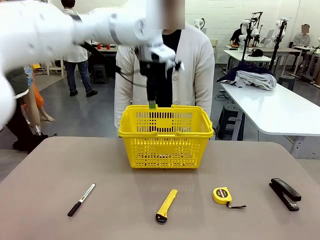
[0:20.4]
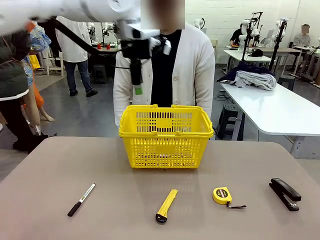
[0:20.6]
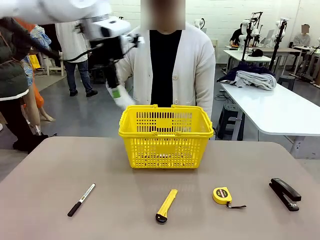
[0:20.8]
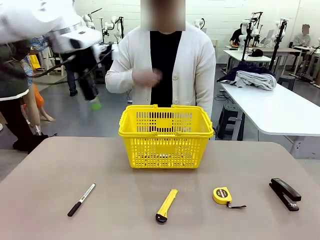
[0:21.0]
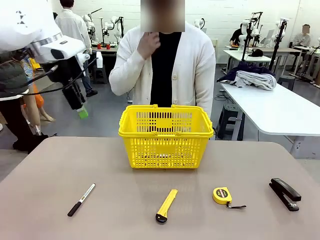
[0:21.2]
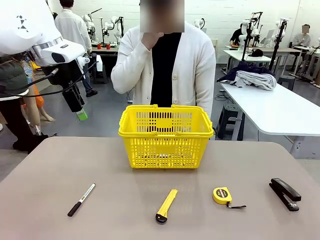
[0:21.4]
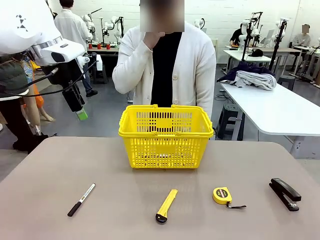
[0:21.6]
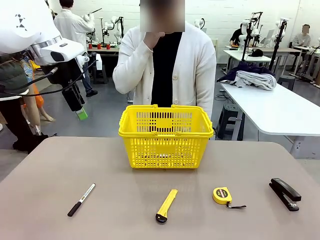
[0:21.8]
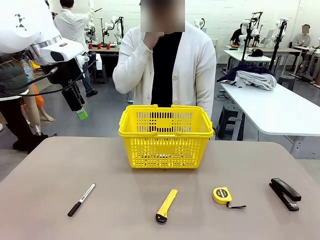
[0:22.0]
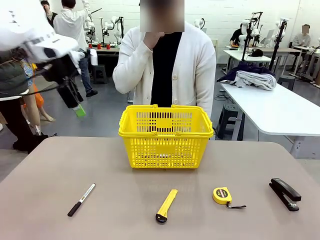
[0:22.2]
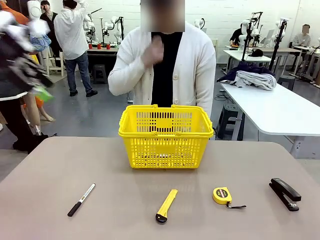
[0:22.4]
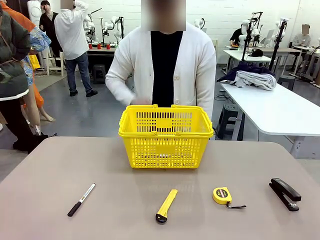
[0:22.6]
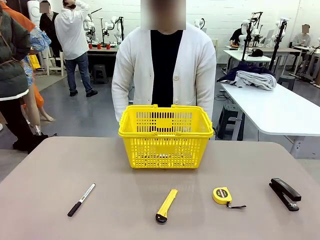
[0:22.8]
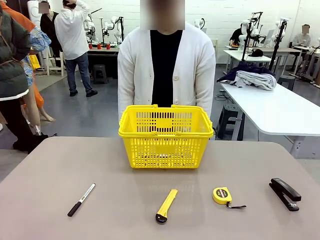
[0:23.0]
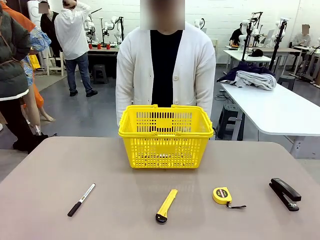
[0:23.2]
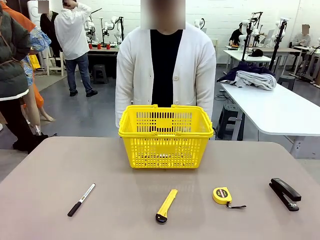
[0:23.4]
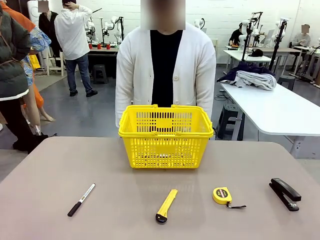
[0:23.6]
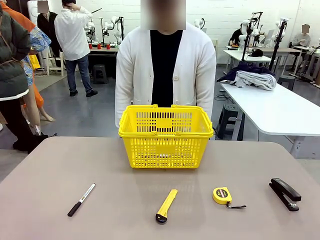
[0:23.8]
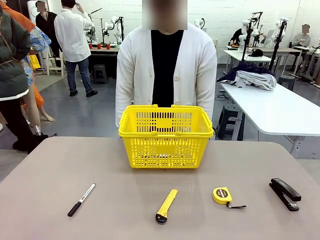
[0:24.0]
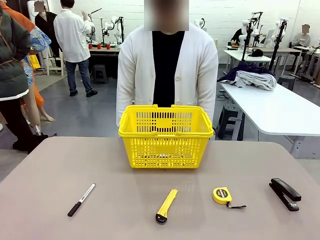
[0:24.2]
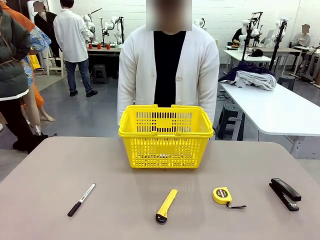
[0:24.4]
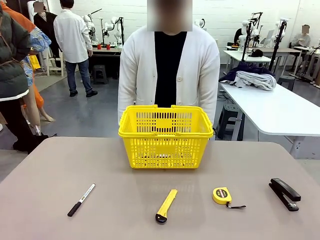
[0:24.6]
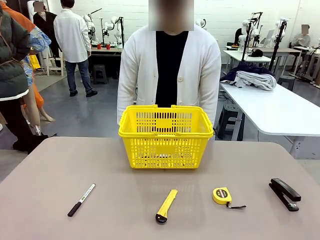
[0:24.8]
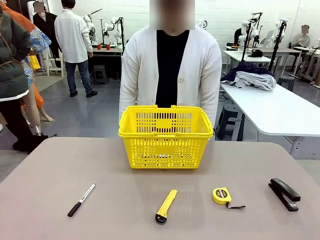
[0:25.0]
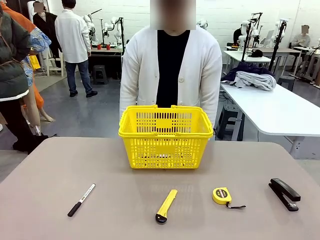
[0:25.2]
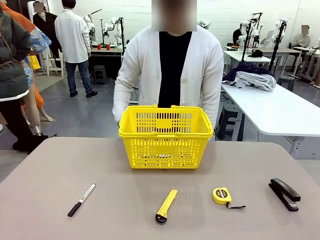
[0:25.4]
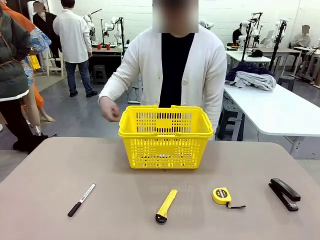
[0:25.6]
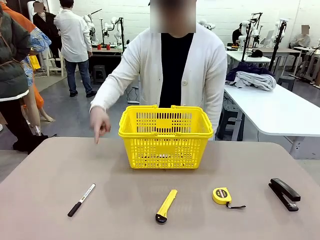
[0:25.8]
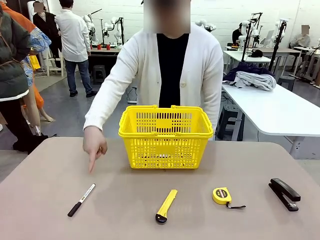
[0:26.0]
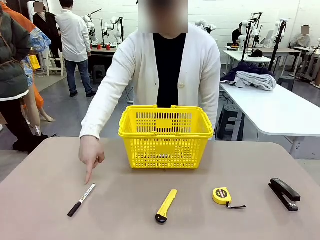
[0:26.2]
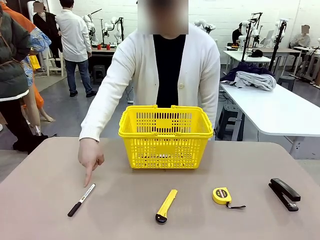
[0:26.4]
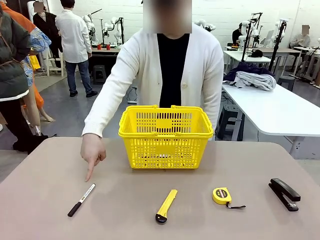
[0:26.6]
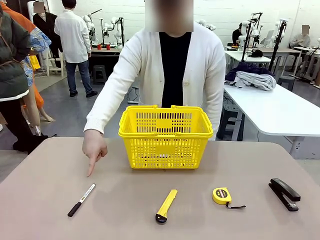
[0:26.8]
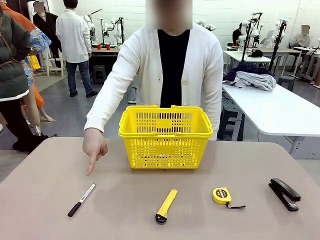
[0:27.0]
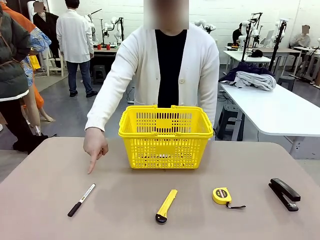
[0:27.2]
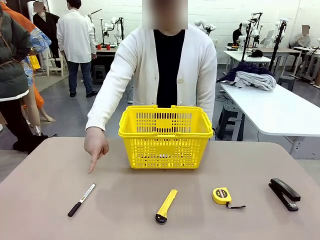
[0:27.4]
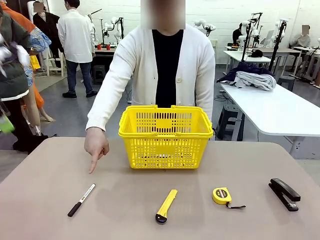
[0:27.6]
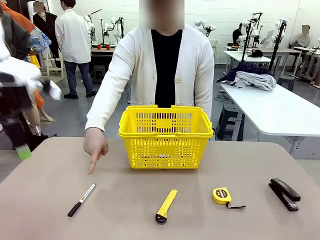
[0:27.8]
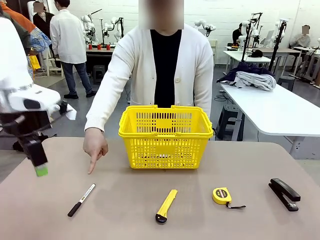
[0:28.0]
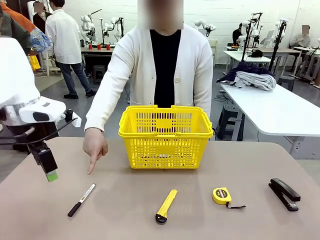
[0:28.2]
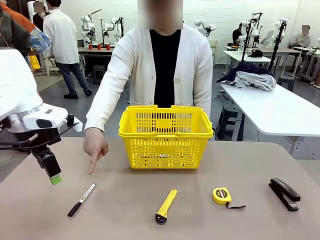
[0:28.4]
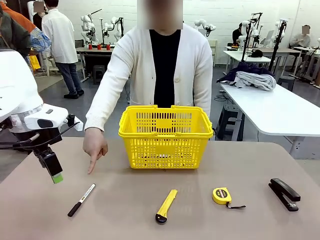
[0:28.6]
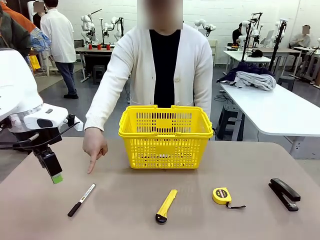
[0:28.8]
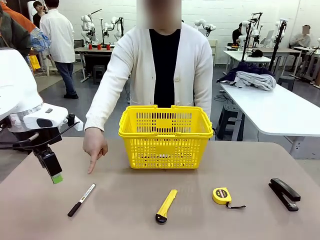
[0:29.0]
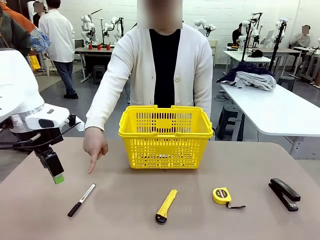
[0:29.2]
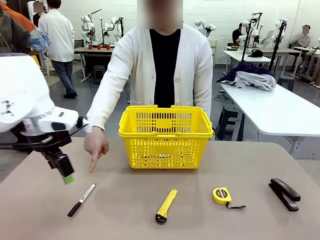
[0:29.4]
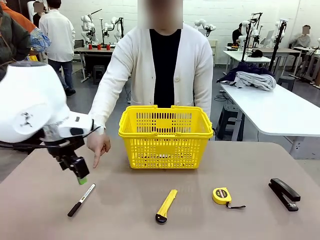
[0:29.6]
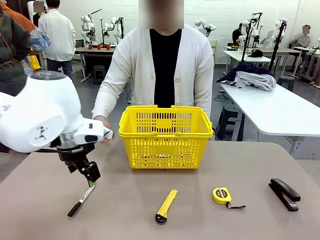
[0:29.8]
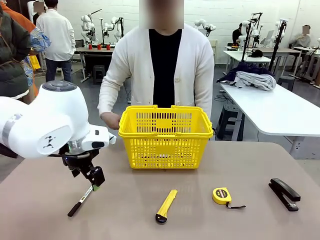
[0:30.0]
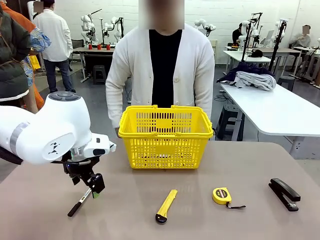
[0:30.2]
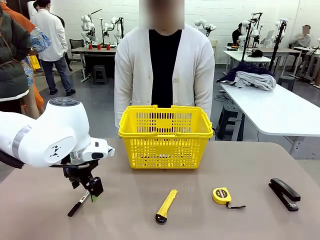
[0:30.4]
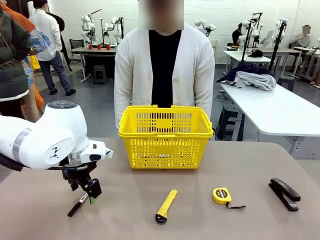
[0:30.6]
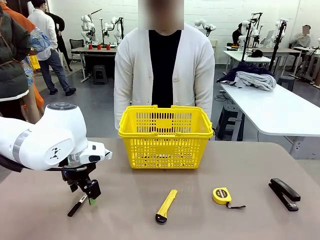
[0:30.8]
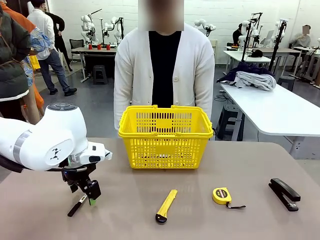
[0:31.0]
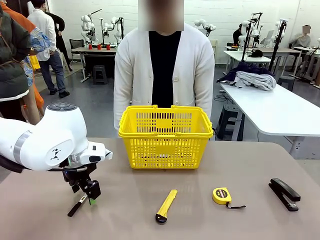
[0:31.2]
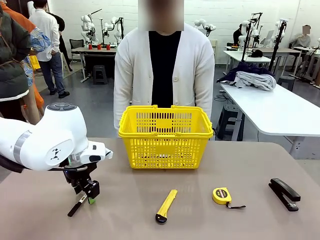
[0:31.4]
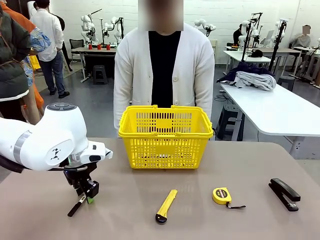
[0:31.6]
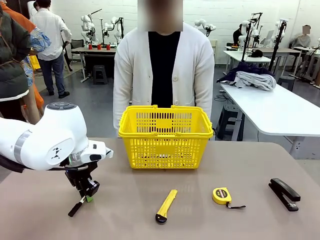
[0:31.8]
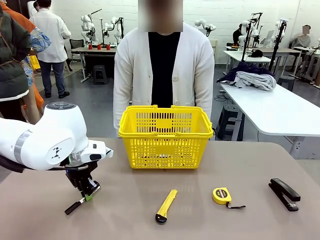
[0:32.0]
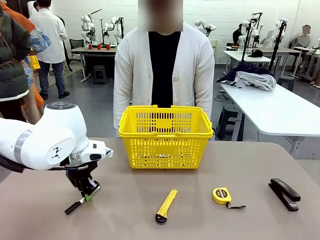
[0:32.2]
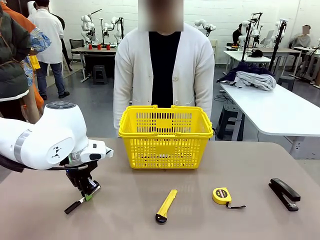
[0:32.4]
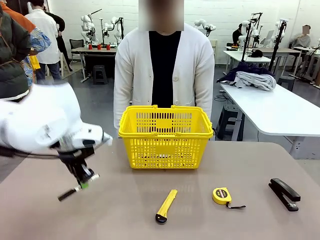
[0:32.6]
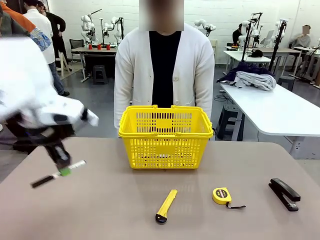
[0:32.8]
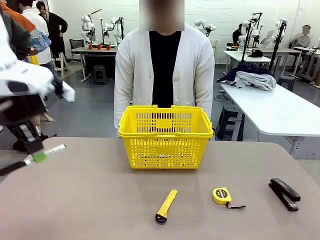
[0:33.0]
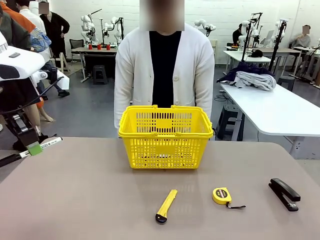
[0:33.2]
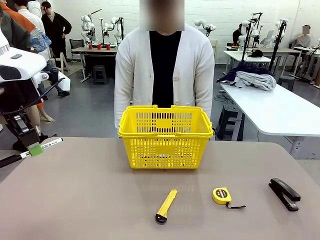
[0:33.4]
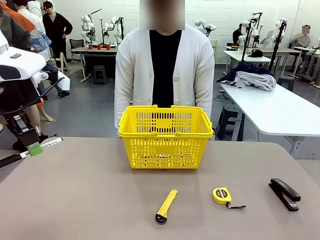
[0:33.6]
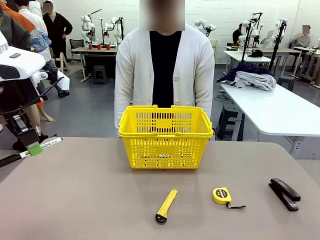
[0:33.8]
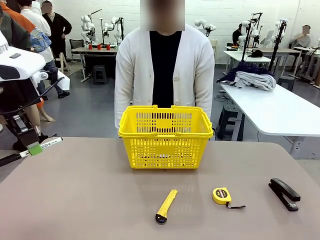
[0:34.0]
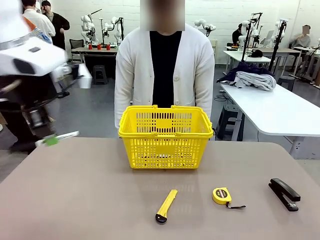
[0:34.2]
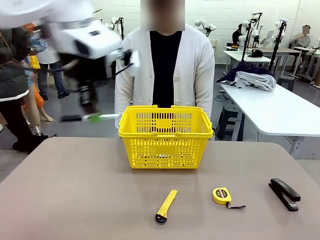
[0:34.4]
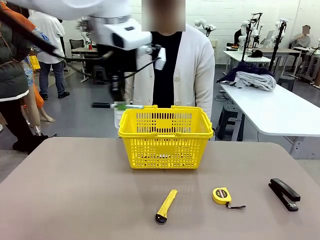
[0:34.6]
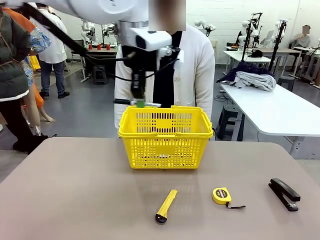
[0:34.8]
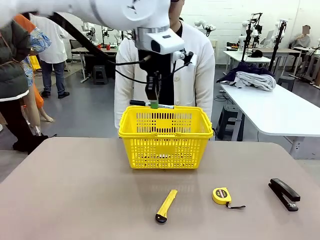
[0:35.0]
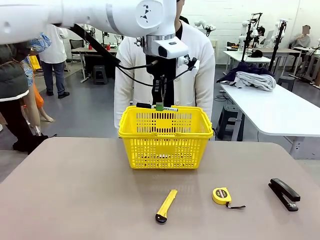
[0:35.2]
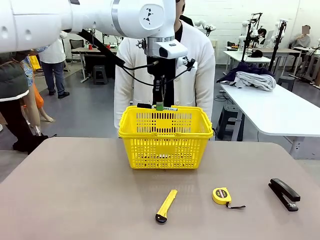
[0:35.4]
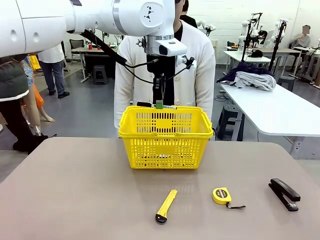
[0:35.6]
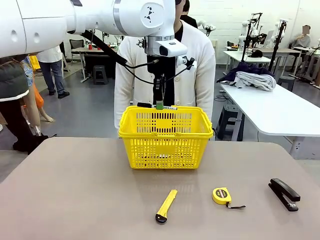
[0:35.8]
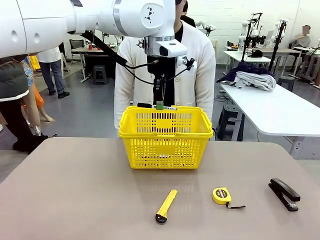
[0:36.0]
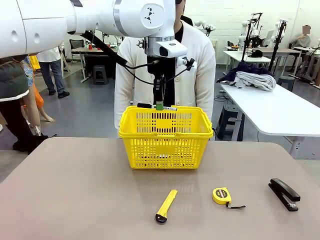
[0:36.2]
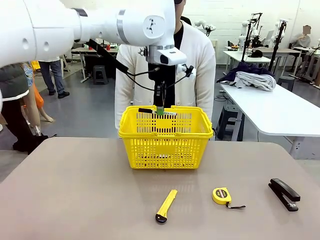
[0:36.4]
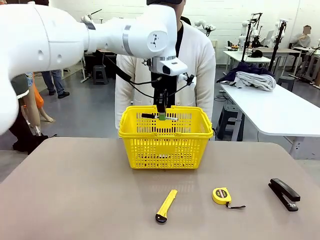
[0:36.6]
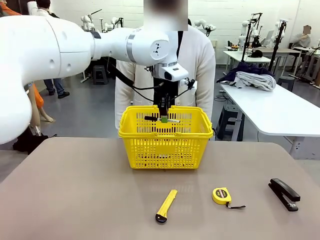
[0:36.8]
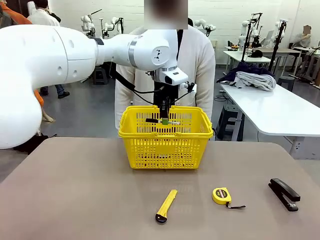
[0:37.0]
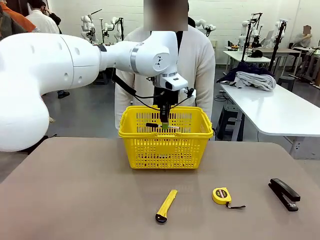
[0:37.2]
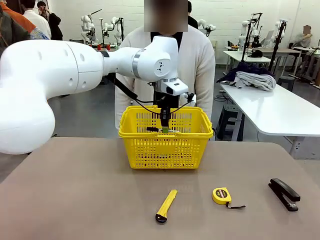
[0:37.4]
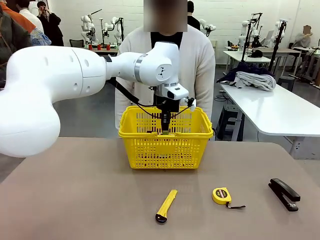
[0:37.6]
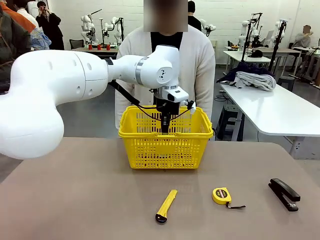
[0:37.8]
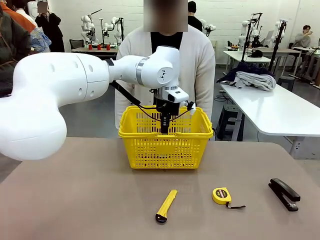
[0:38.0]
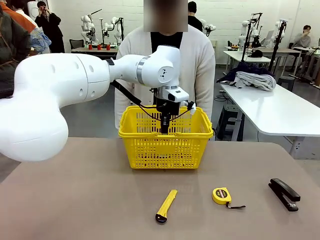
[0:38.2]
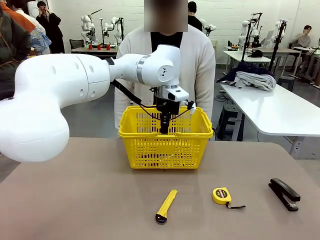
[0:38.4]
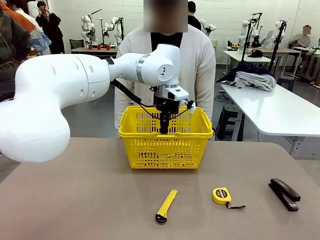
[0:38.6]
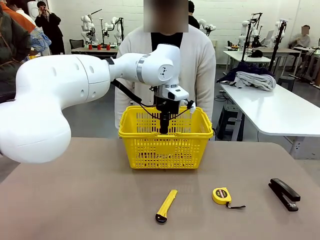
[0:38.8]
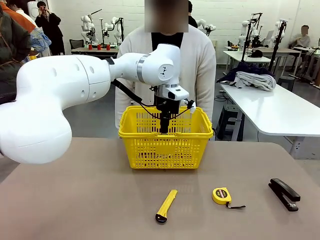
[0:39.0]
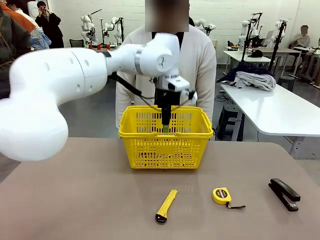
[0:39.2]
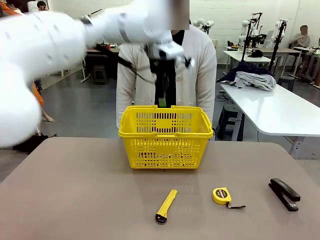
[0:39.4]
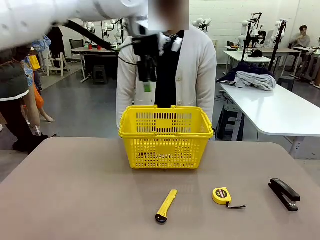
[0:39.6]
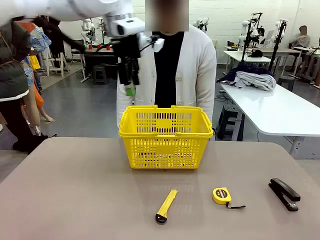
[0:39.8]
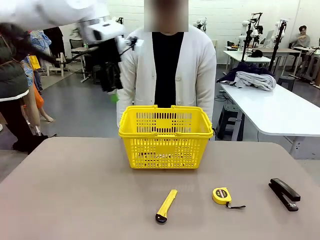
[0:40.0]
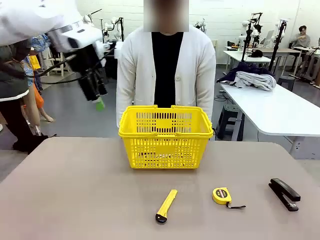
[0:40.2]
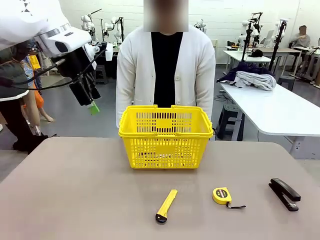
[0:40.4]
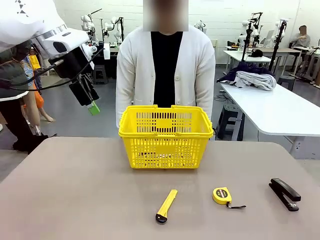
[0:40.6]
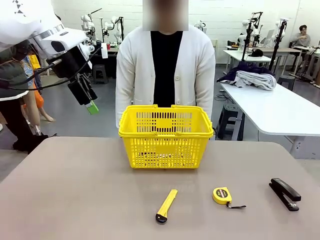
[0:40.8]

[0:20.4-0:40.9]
Task: Place the items the person wants into the basket.
Robot: Pick up the item the person points to and place it in the Market Basket.
